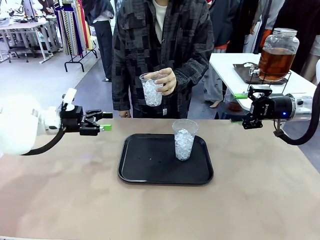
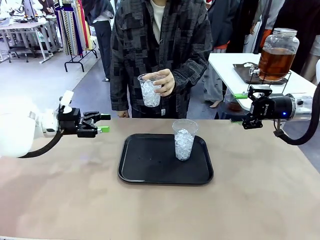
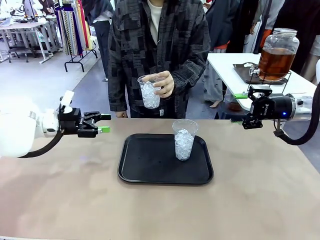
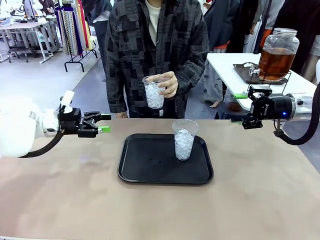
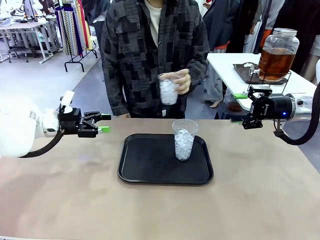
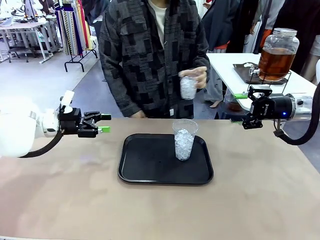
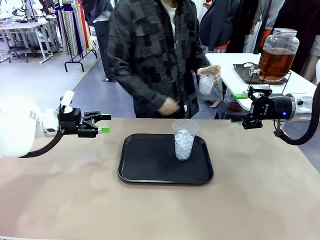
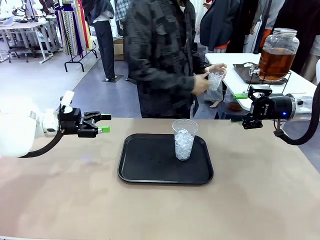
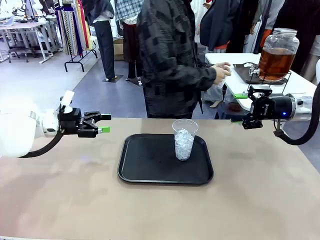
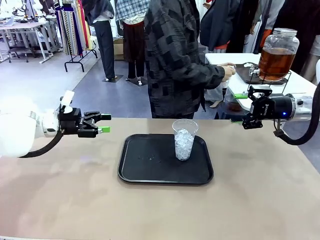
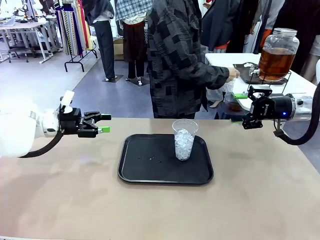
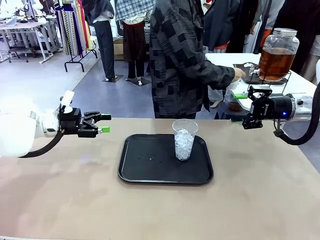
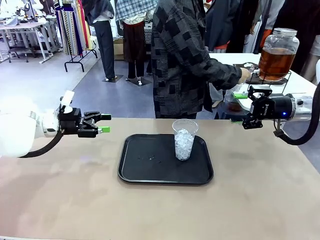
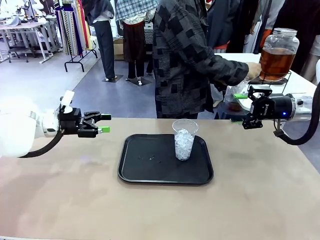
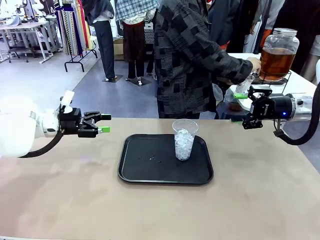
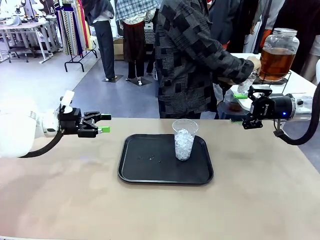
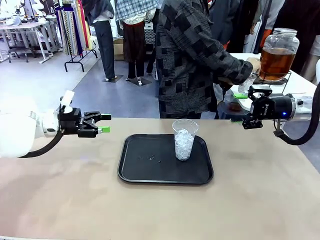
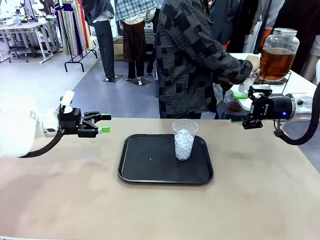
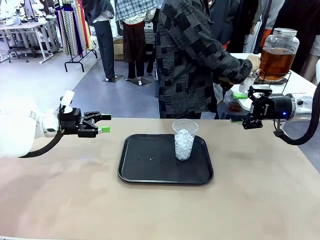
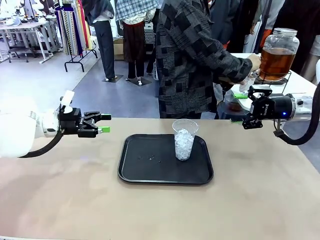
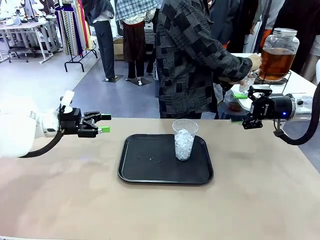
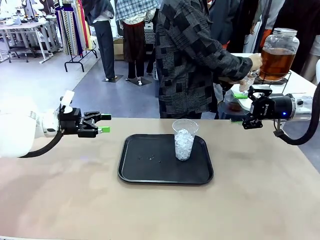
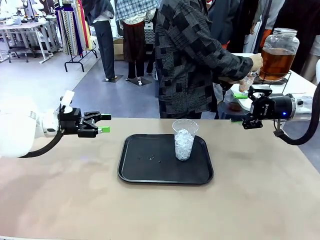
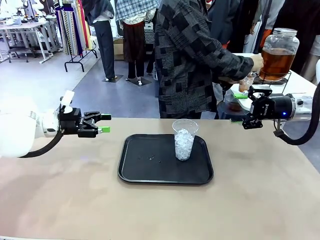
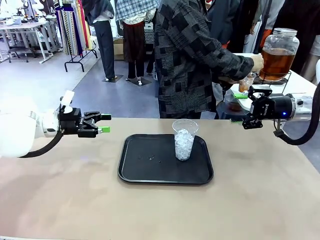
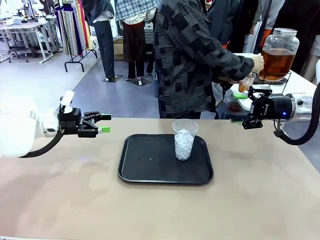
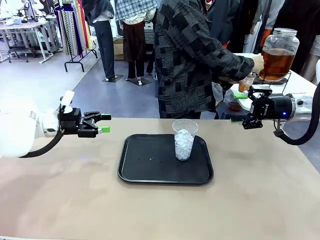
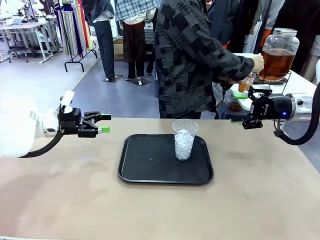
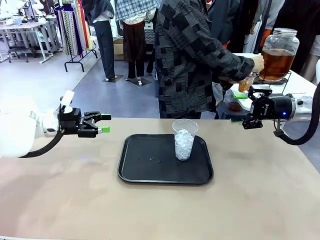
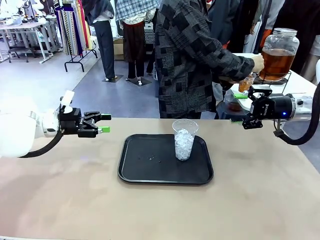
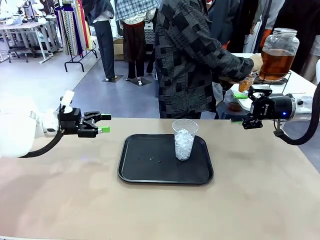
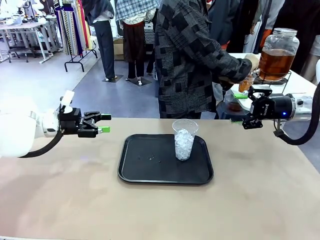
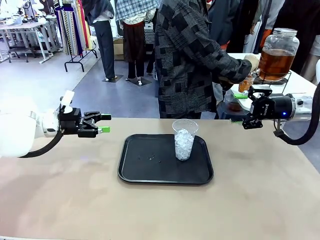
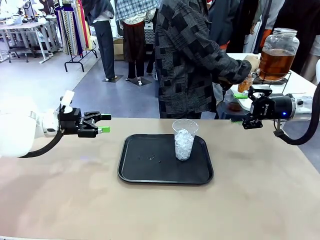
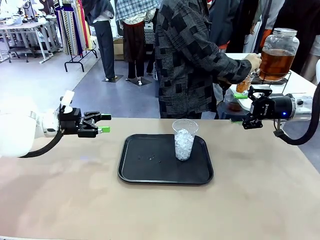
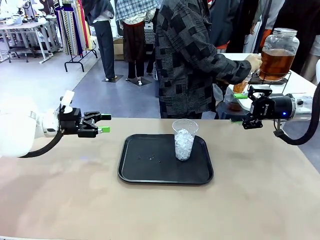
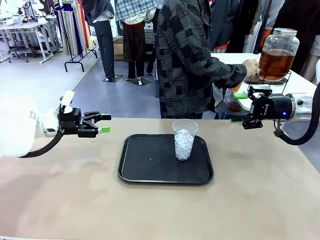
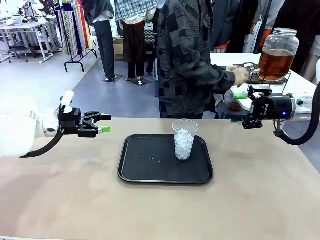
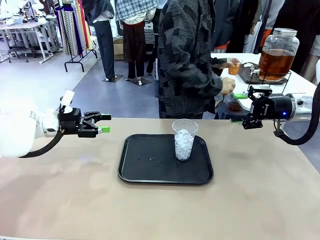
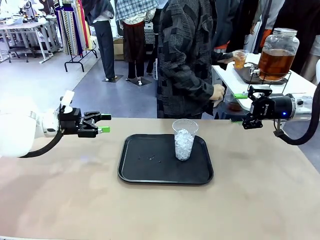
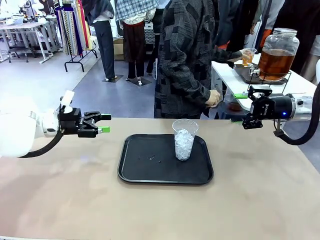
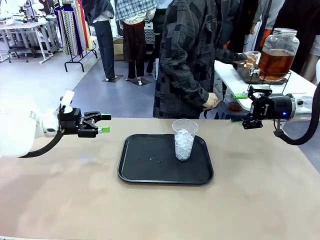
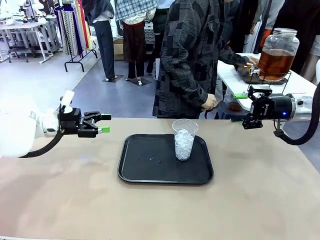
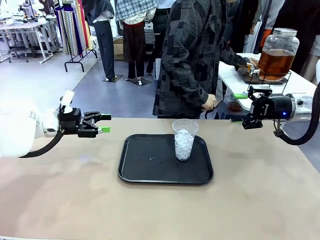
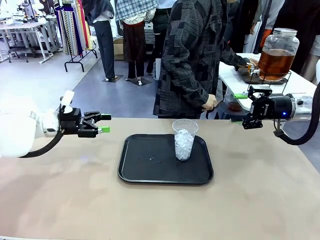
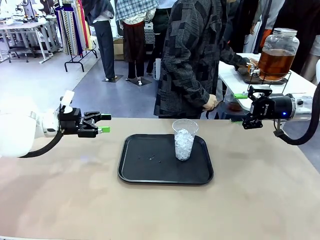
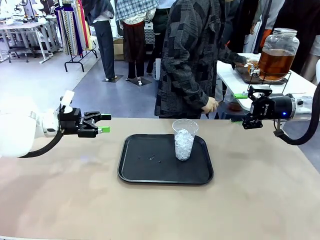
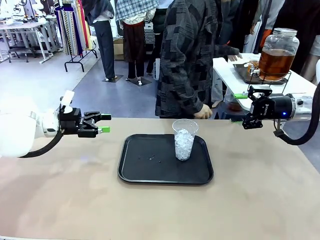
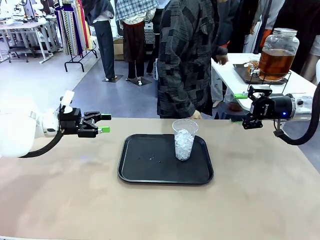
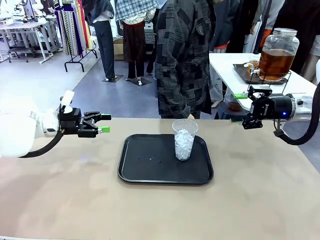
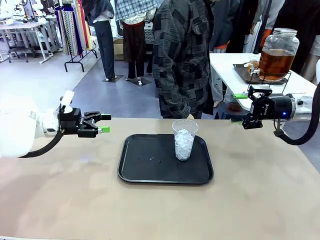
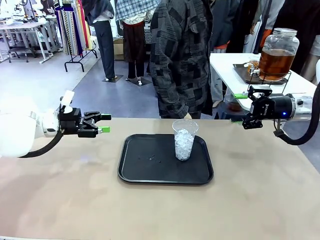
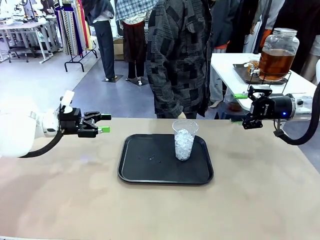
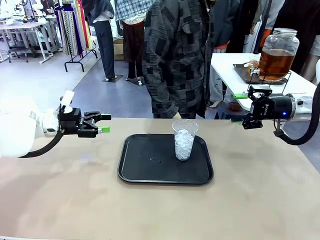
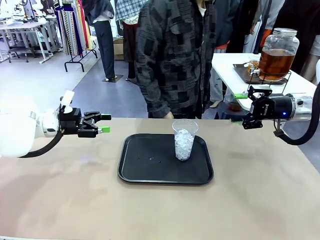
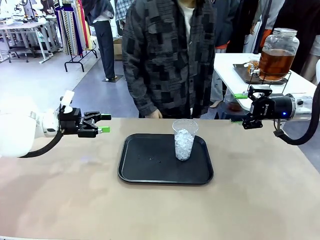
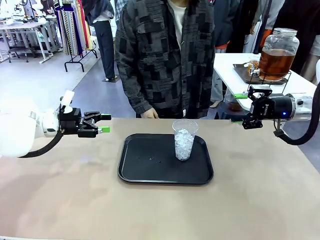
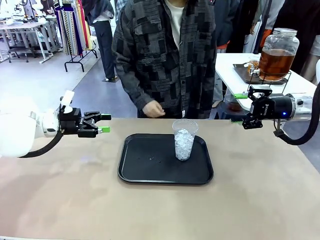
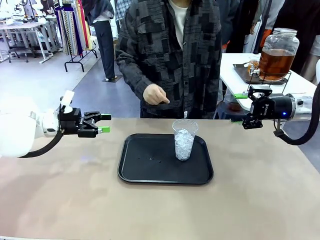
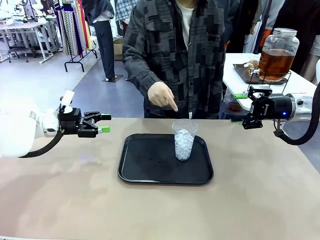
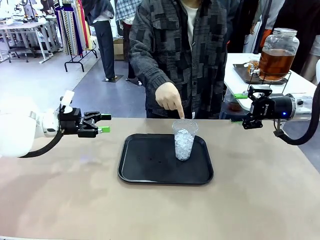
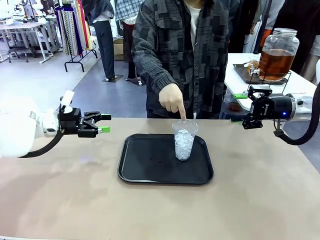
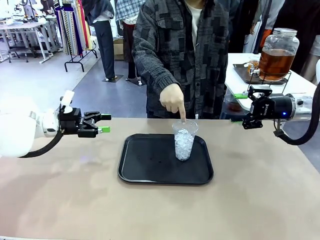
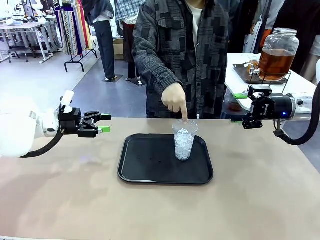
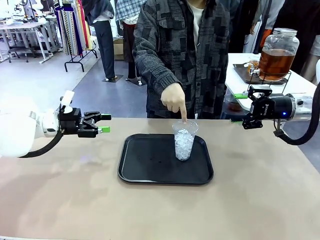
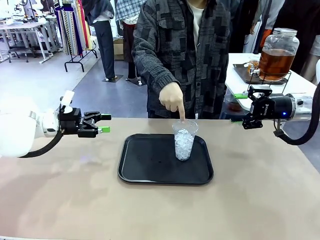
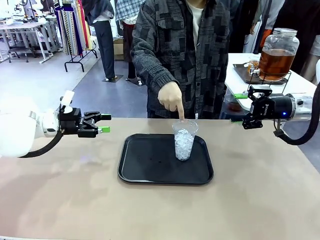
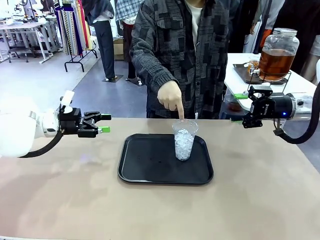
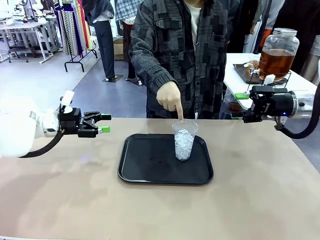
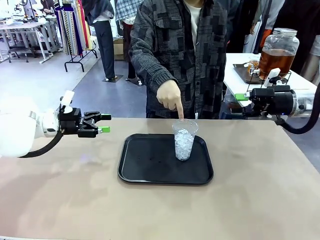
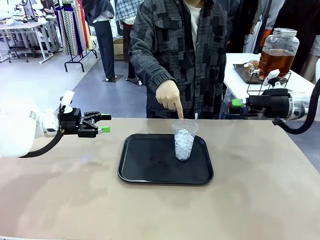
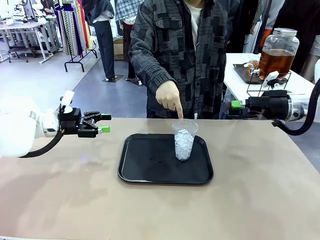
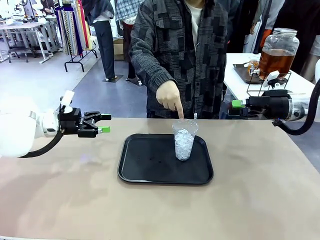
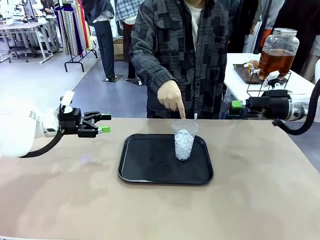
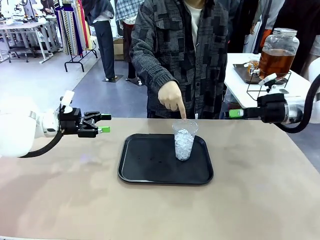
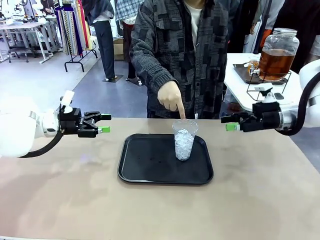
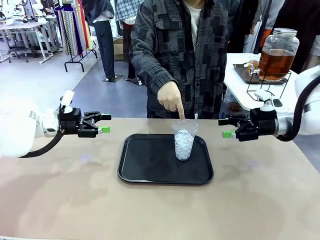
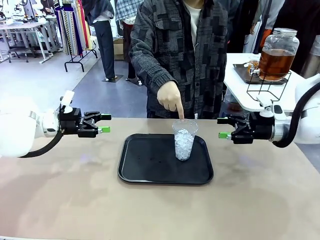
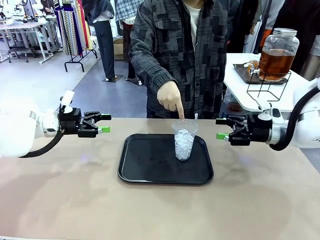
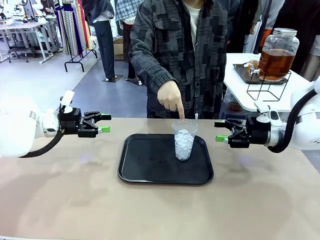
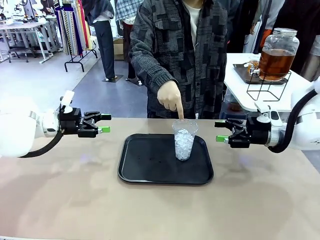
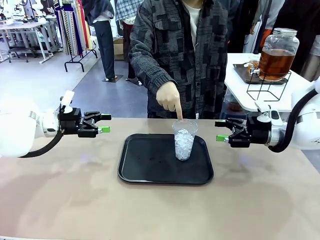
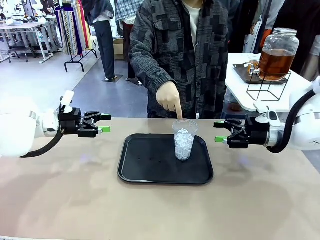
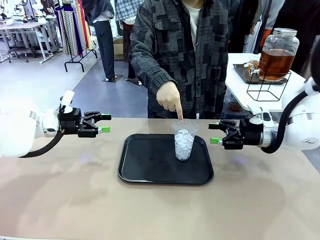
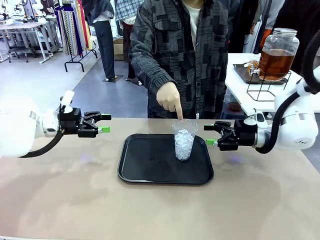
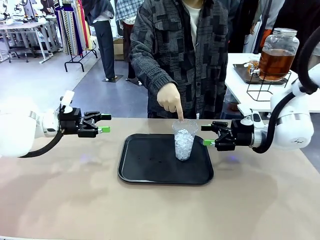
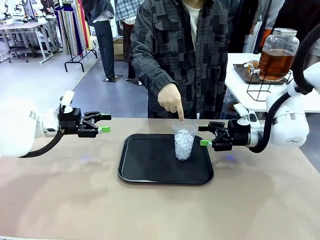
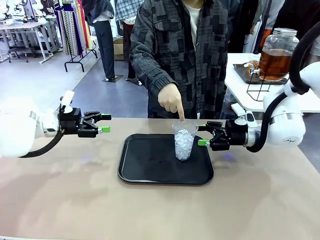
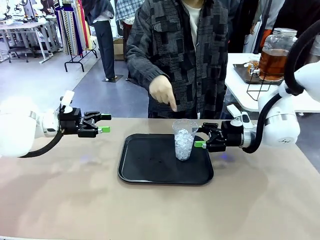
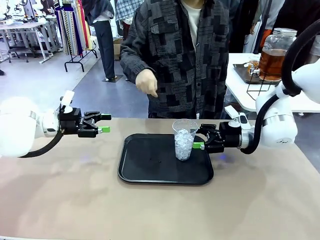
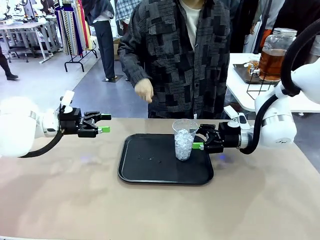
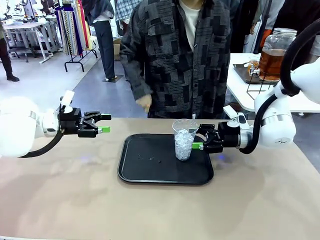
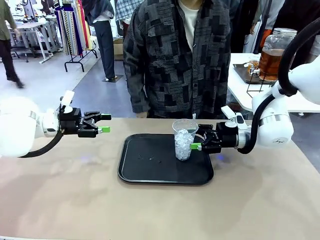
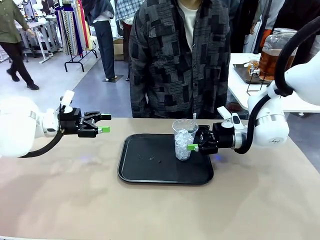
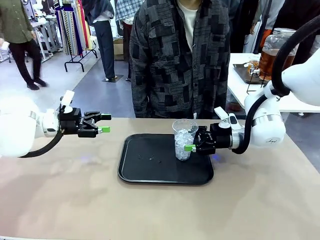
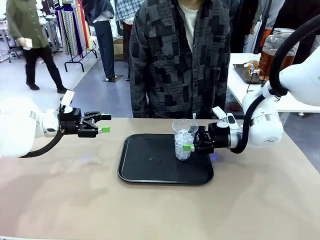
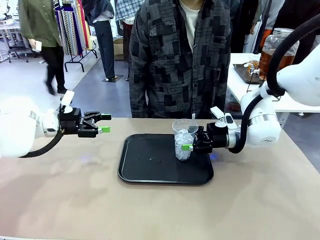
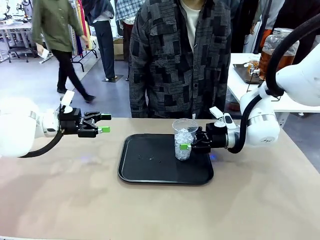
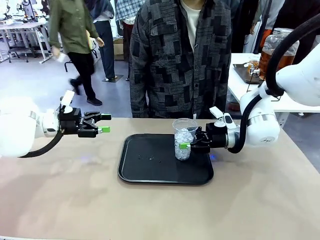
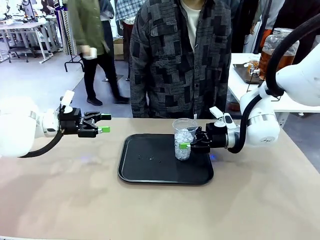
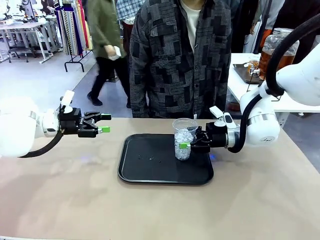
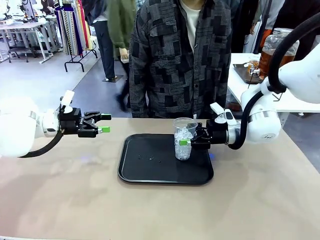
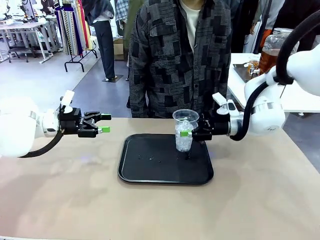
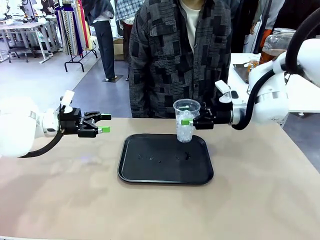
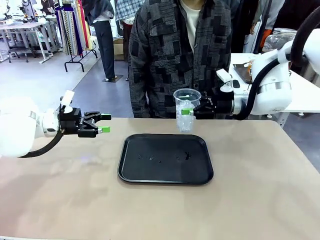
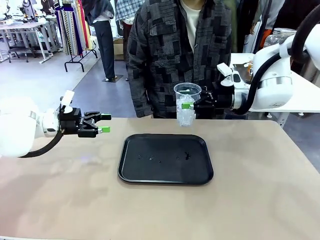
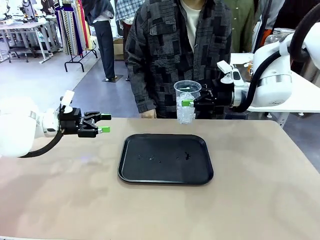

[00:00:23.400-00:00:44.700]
Task: Pour the drink into the iced cup.
Robot: Pick up the iced cup indicated by the human and present it to them.
Person: Move the picked-up cup under the dispenser faucet, pour the drink, and place it on the tray on the human table. Point to the remaining ice cup on the robot table. Pick up the cup offered by the robot.
